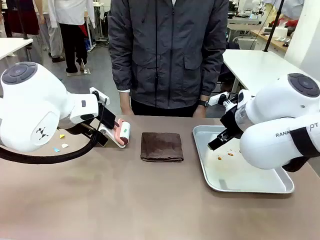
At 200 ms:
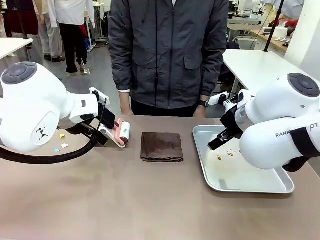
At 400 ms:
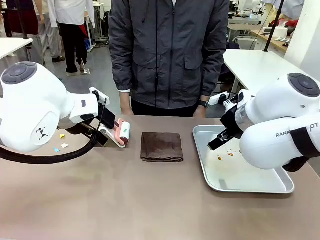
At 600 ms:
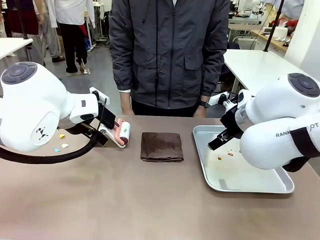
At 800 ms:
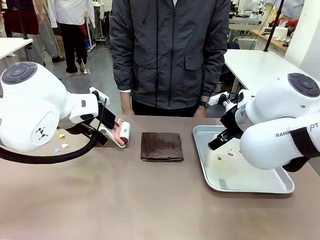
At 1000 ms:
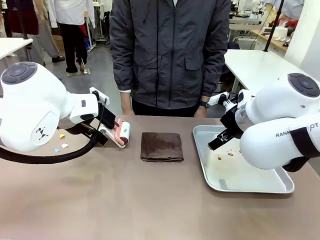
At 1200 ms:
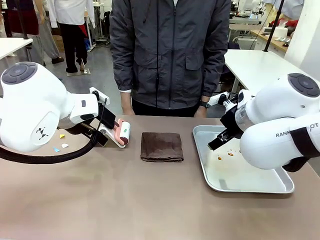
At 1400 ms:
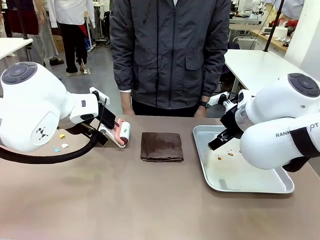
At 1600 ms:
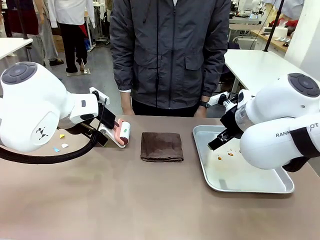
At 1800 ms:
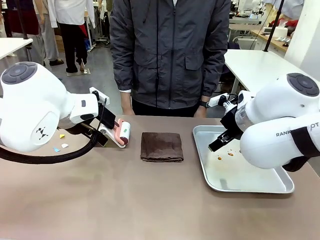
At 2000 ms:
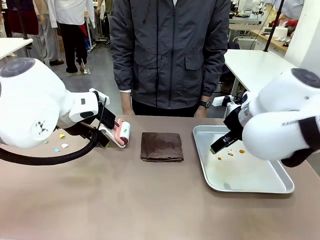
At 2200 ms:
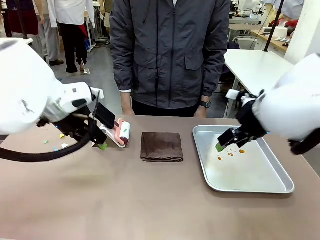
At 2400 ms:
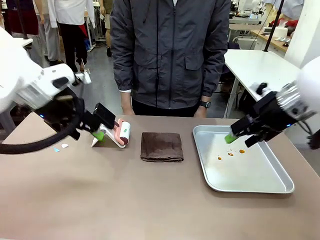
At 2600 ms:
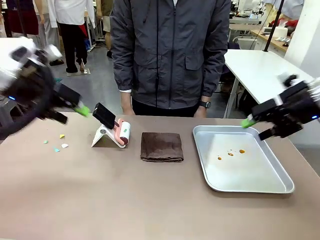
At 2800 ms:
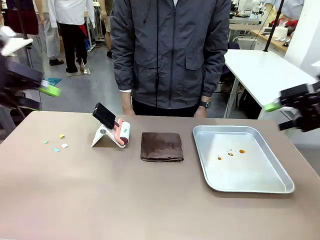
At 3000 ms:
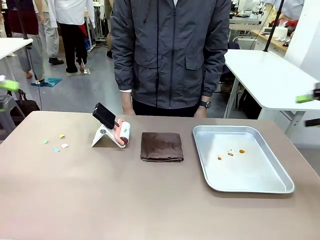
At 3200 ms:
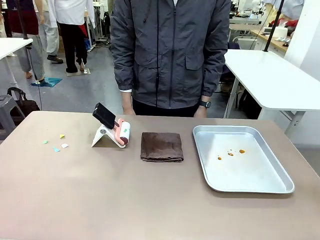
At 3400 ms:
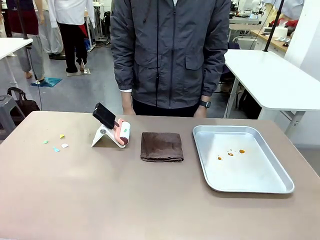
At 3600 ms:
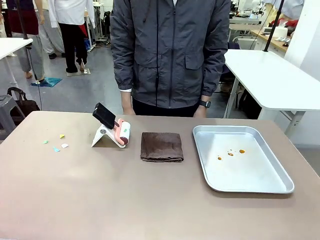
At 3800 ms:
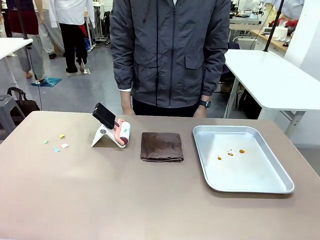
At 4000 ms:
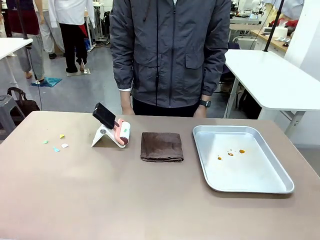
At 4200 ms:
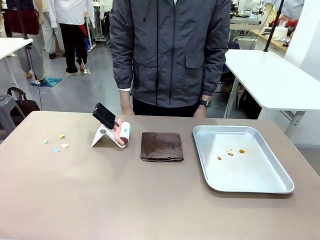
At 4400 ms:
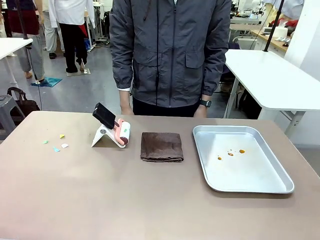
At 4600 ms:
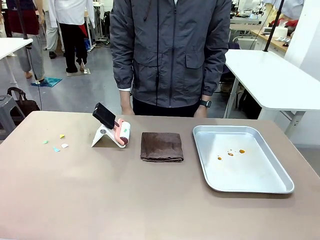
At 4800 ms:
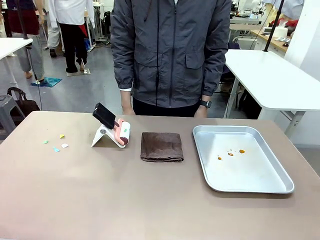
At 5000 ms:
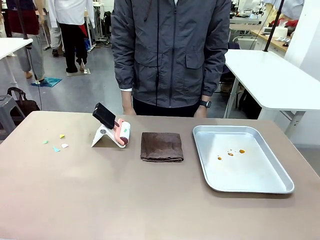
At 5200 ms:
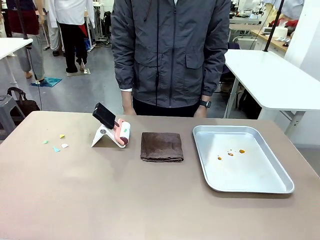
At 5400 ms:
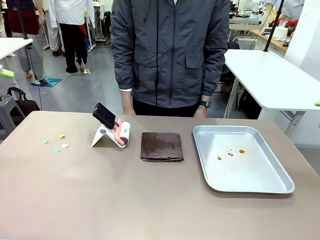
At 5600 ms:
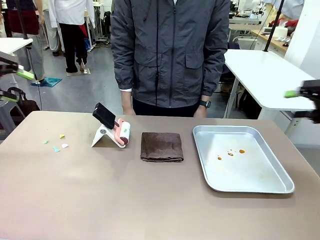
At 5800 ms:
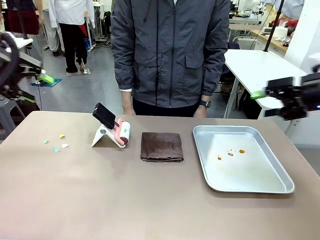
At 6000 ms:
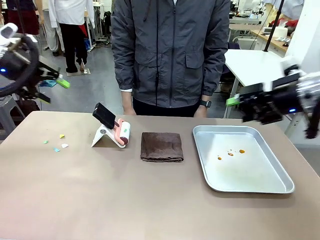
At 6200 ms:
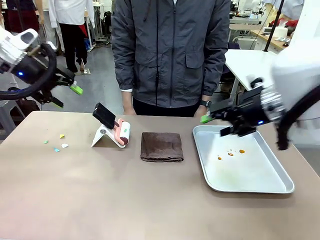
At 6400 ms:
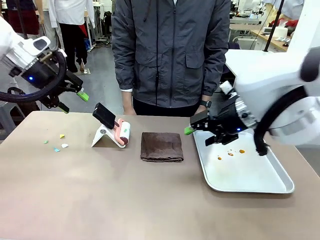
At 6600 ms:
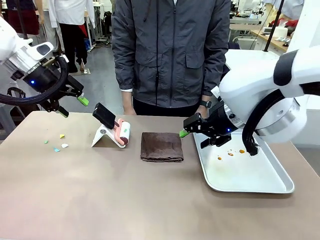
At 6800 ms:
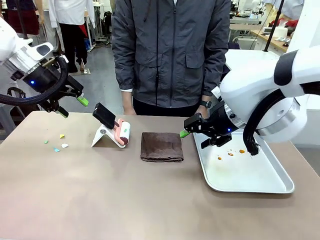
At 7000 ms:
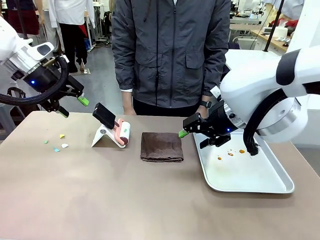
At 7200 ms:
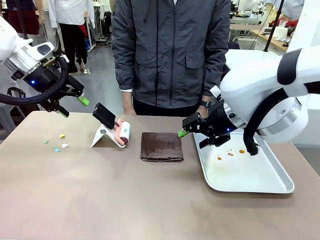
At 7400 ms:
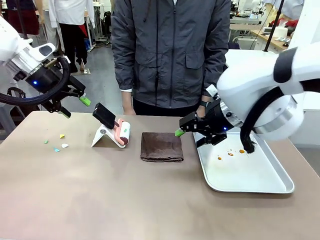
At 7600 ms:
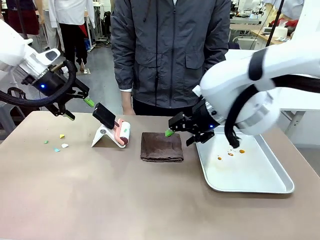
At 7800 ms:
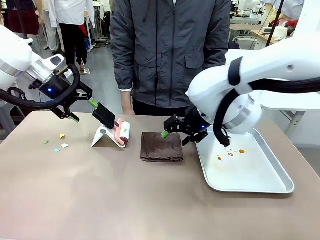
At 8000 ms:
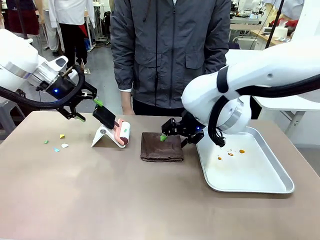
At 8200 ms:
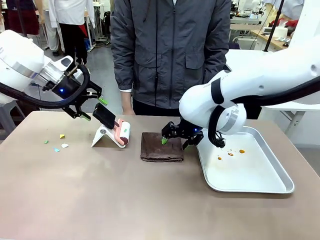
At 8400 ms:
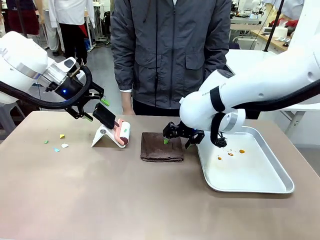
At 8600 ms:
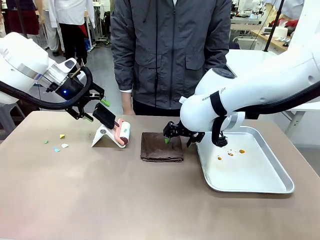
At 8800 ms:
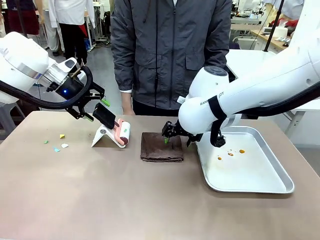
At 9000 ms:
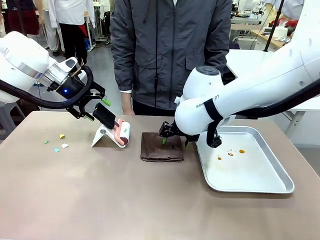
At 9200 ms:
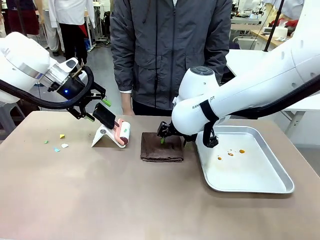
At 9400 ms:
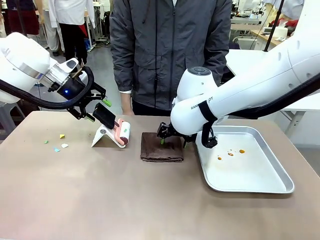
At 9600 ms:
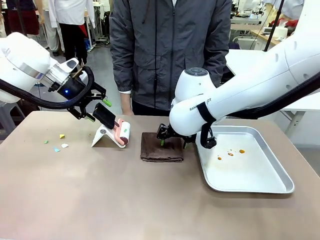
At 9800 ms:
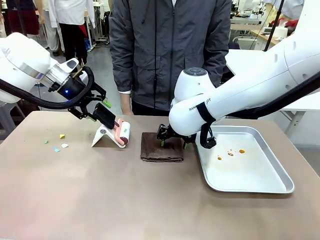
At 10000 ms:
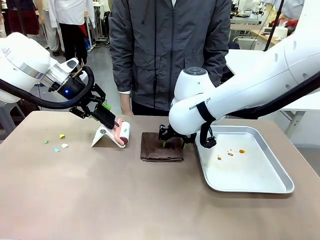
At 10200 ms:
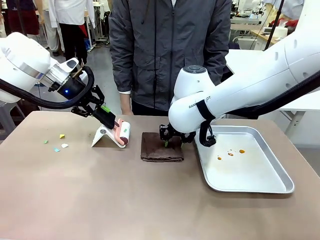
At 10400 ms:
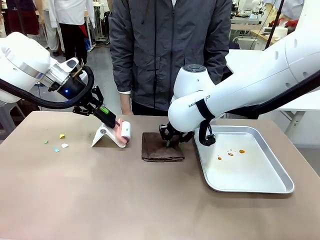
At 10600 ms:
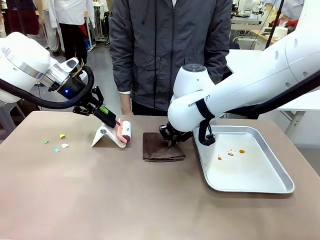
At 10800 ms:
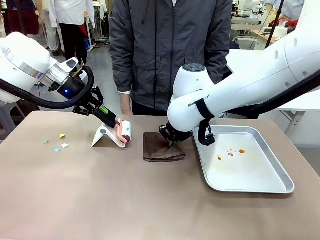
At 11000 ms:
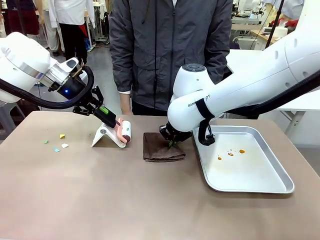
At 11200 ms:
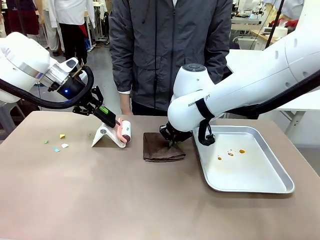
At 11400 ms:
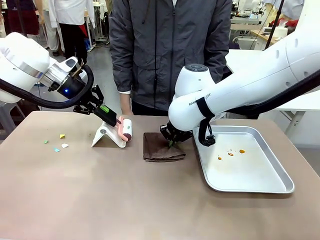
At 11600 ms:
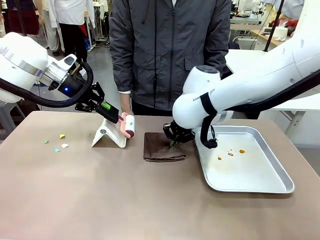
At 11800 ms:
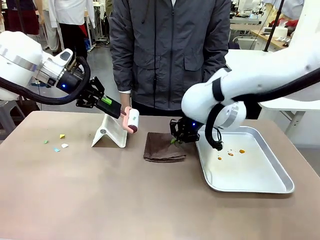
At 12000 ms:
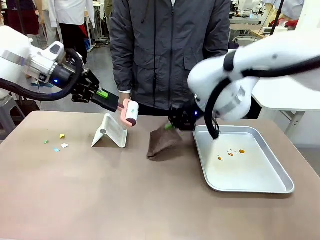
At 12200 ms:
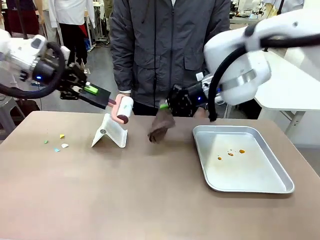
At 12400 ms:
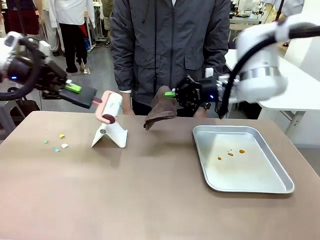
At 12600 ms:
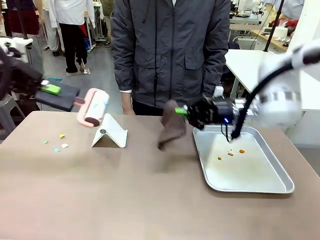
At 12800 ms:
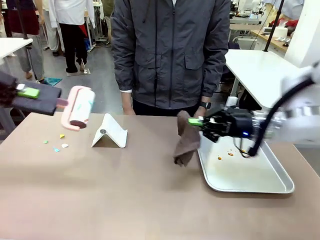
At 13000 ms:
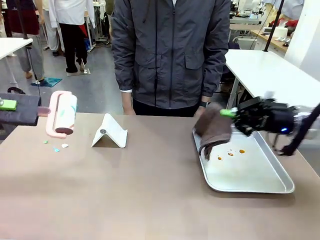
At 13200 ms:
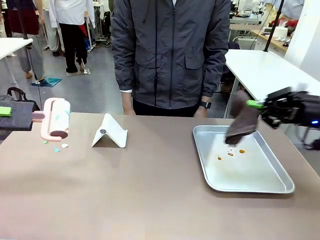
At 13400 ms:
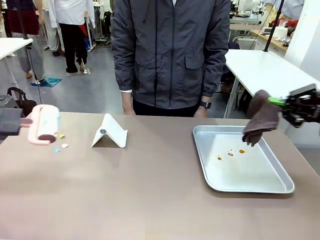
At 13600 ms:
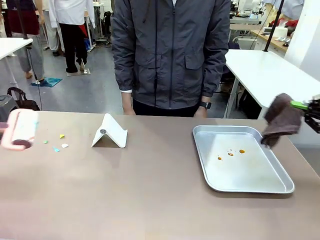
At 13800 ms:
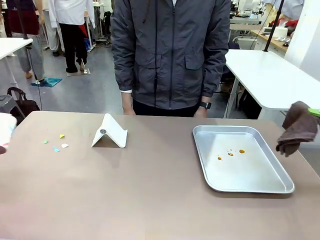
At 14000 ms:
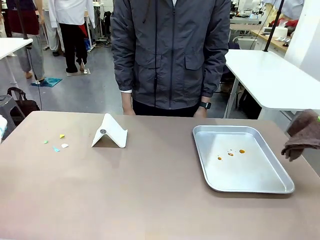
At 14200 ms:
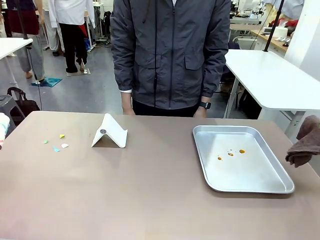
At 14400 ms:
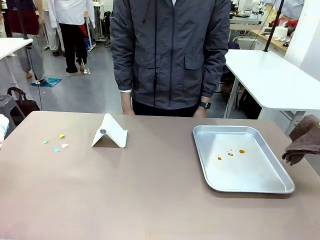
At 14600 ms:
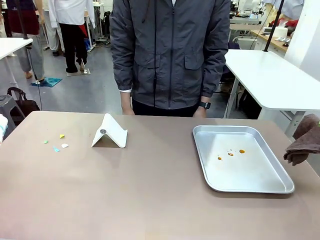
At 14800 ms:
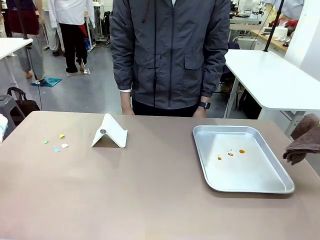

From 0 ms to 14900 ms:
Task: Clean the surface of the table.
Robot: Hold the Lint Roller with your left hand and the towel with your right hand.

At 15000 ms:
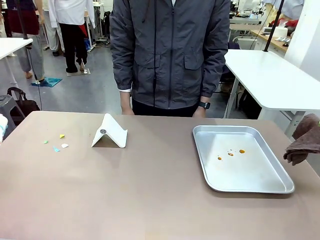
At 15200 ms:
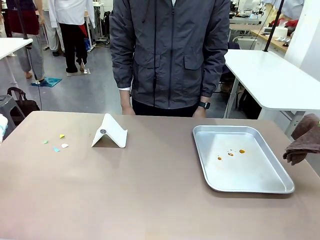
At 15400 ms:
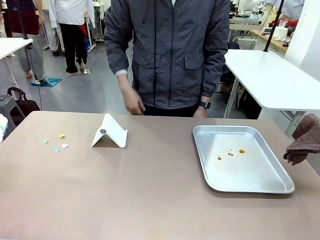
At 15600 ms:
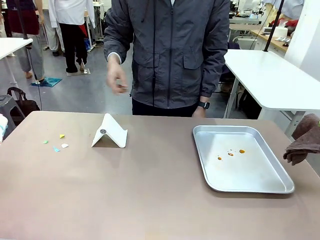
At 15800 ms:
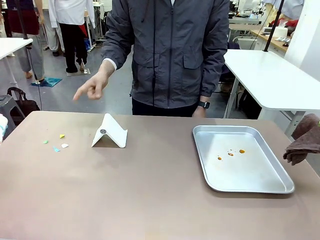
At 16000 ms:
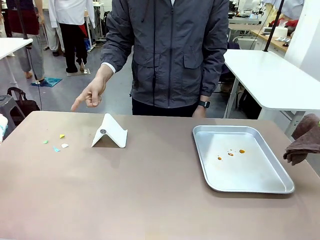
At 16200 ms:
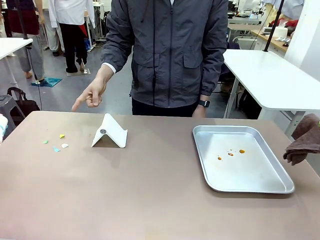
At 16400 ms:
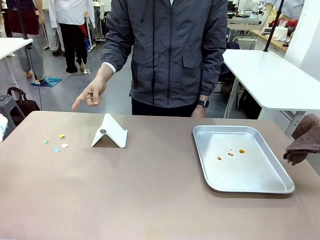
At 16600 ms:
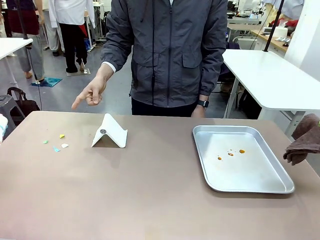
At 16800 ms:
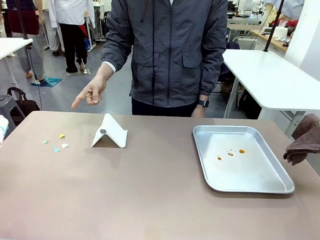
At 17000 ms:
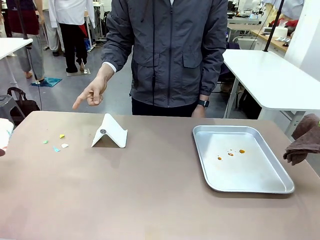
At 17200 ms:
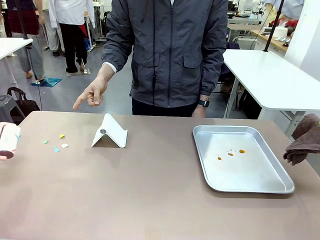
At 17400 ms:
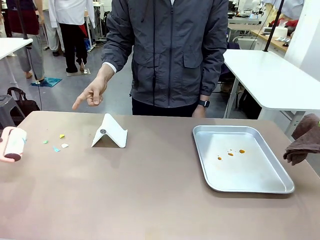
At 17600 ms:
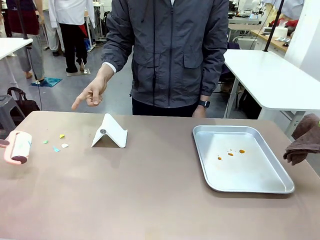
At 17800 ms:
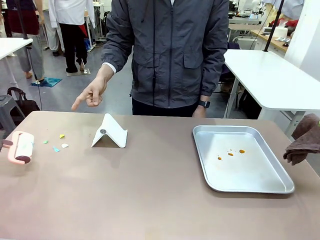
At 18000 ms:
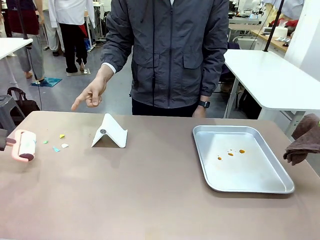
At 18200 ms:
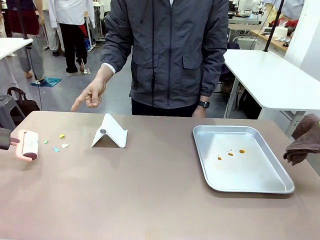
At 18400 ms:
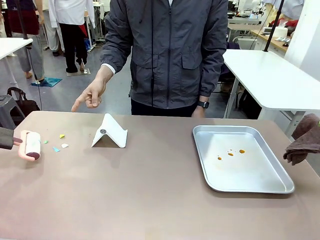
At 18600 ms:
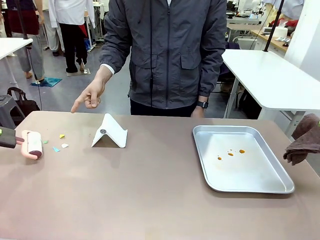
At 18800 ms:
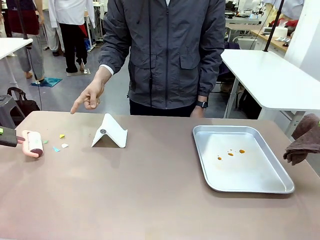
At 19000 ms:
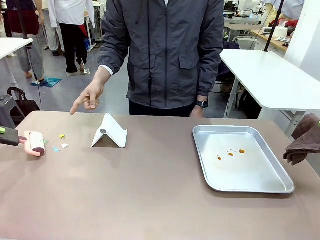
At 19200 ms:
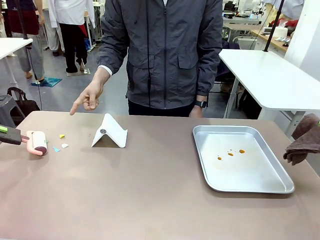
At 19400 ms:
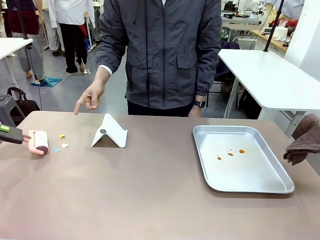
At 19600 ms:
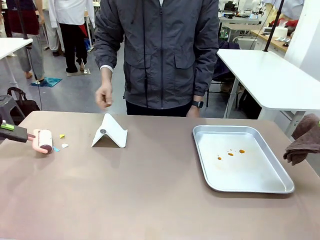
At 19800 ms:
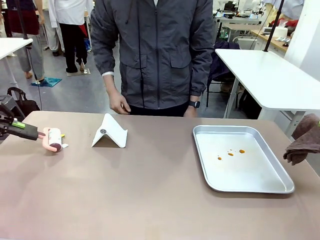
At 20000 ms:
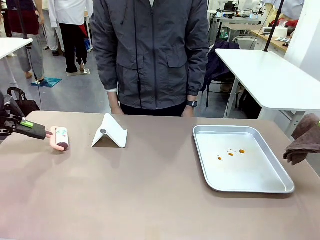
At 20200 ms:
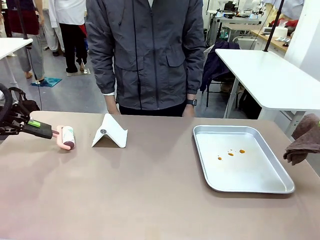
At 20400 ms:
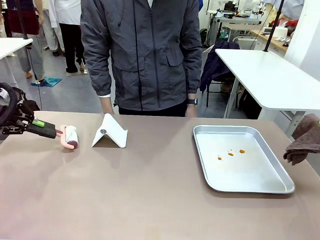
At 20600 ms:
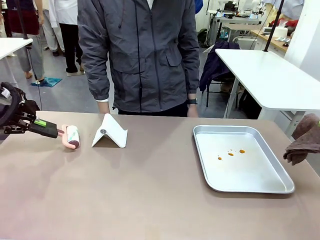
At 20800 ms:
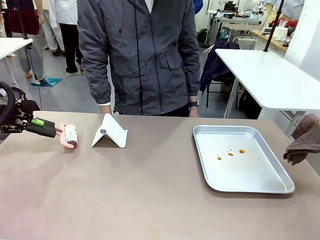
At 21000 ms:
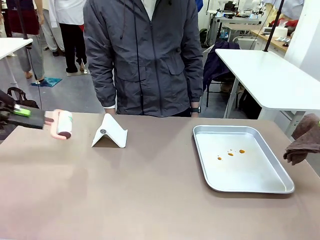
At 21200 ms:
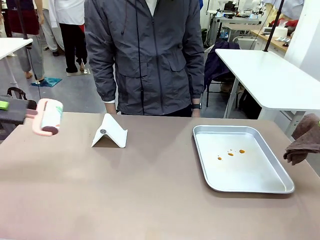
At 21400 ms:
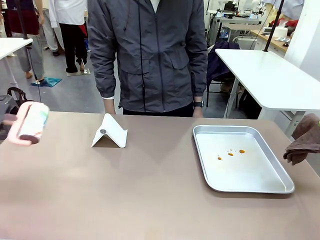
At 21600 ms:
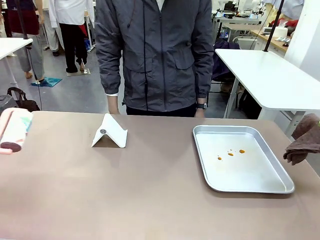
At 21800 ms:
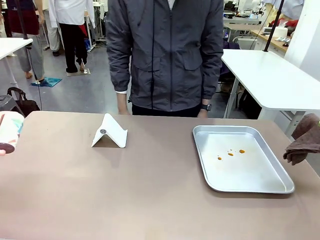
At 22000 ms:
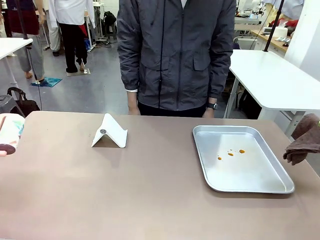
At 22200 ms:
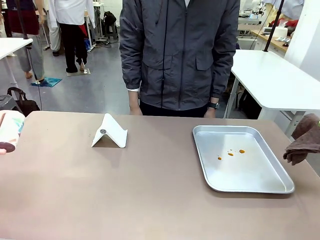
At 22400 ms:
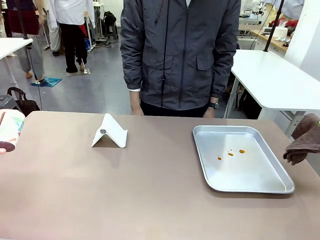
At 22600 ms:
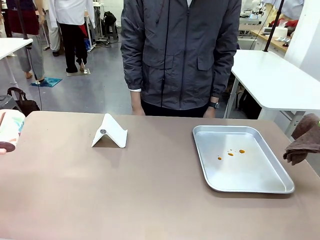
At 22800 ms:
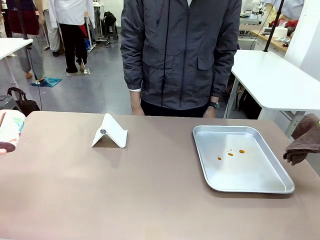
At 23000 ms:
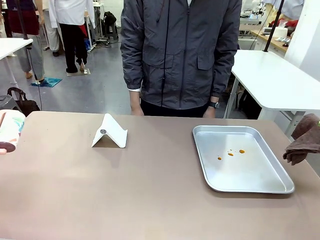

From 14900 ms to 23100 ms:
Robot: If a person points to the right, clean the right side of the table with your right hand, and if they point to the left, clean the left side with your left hand.
